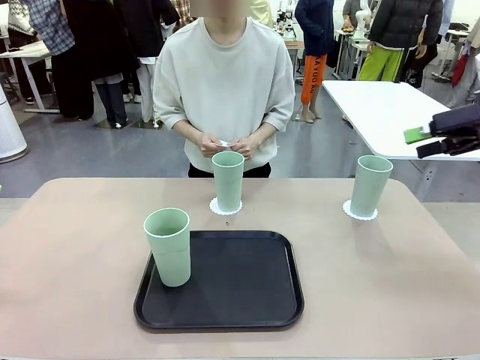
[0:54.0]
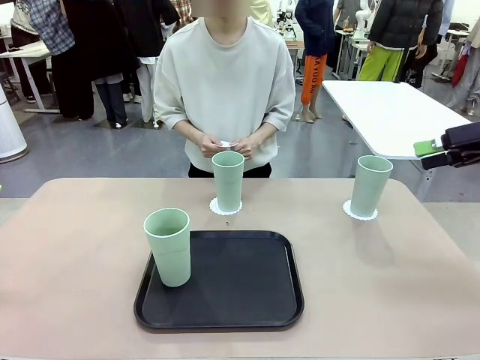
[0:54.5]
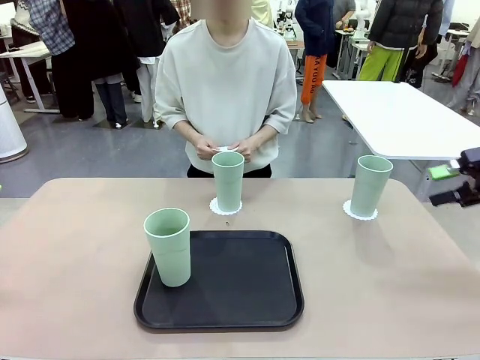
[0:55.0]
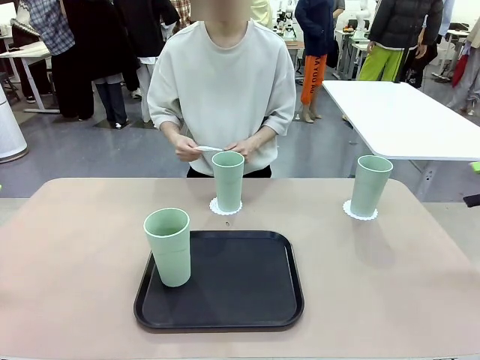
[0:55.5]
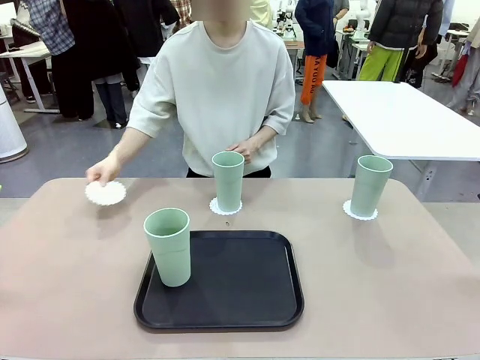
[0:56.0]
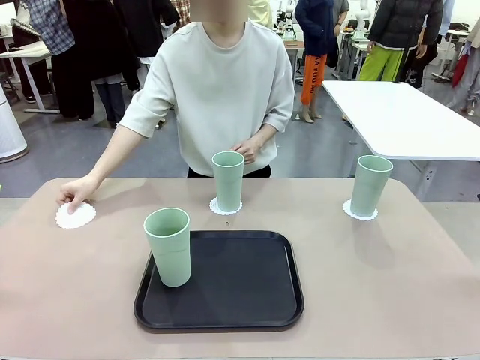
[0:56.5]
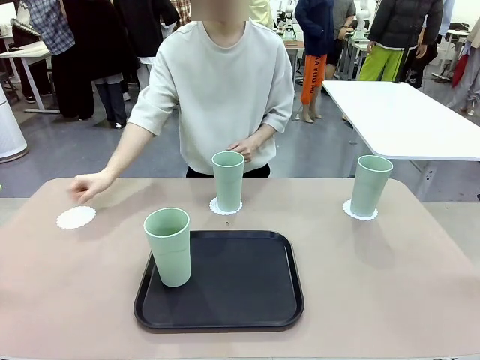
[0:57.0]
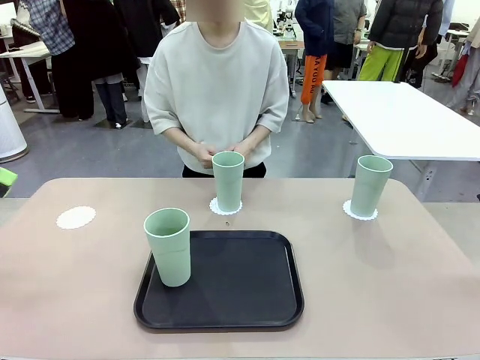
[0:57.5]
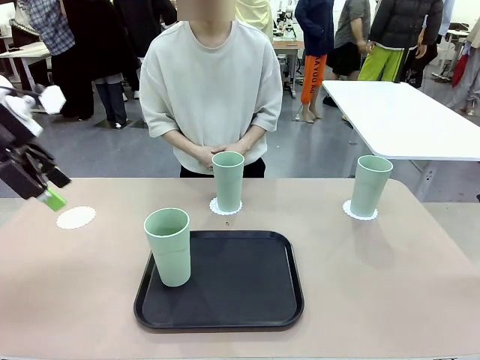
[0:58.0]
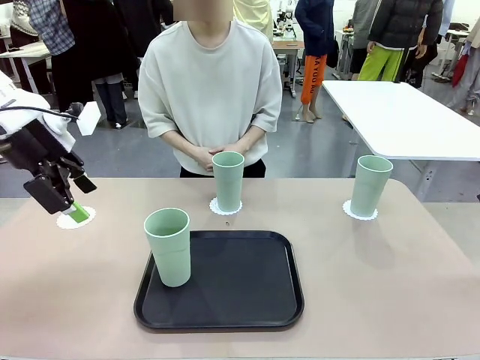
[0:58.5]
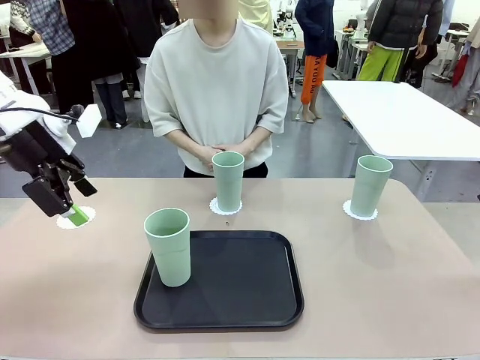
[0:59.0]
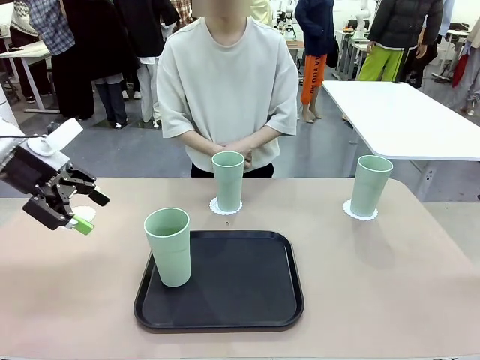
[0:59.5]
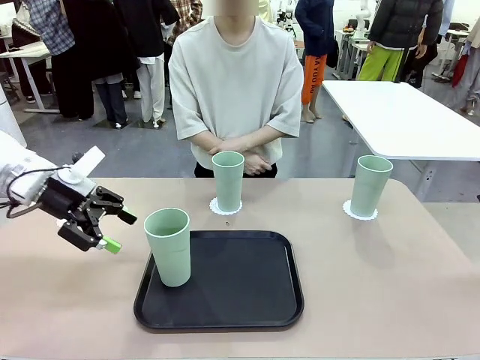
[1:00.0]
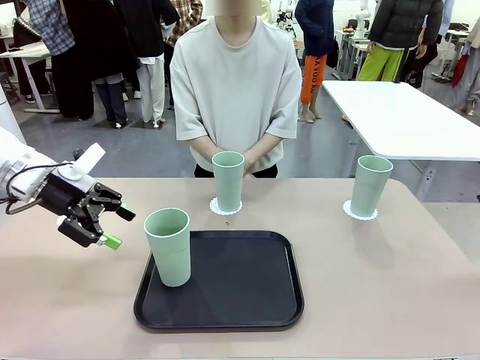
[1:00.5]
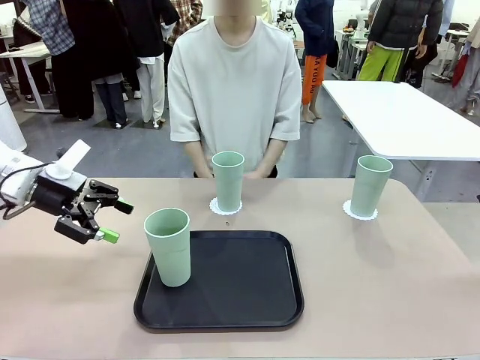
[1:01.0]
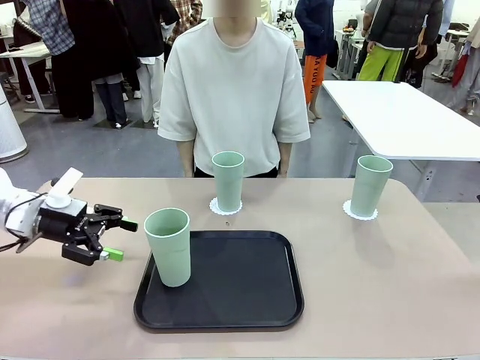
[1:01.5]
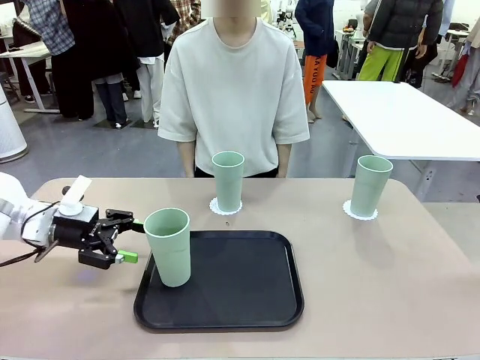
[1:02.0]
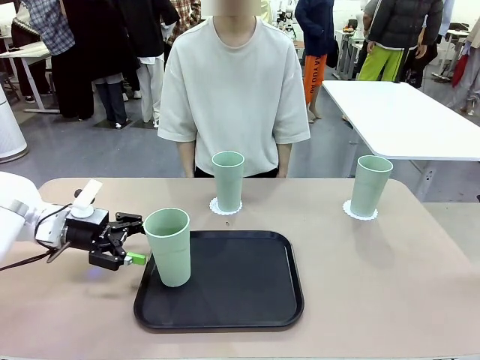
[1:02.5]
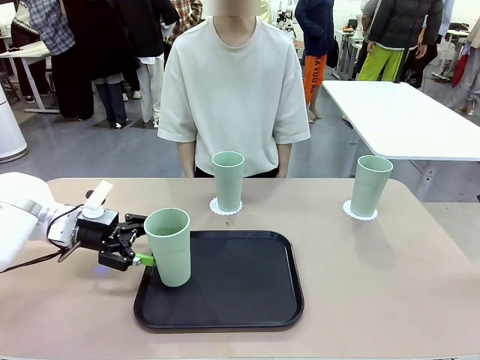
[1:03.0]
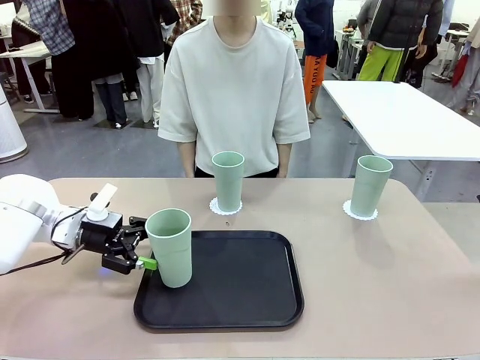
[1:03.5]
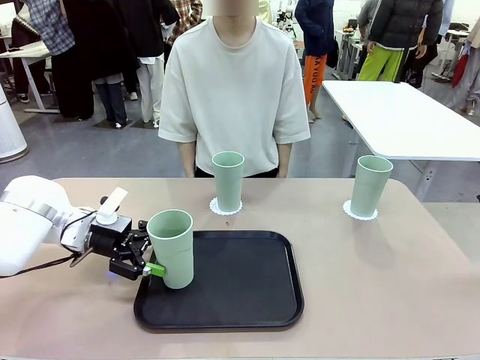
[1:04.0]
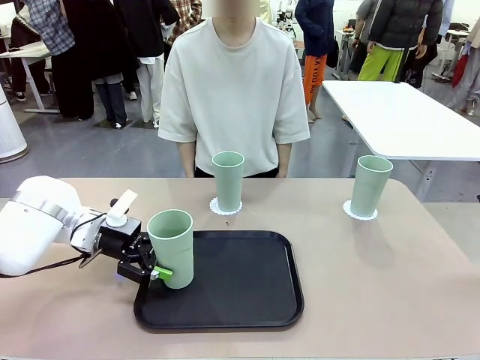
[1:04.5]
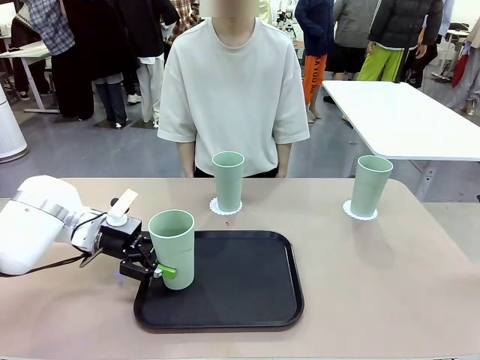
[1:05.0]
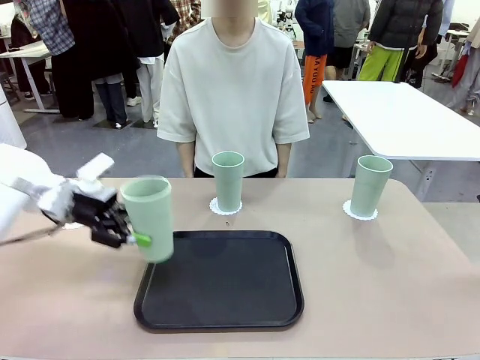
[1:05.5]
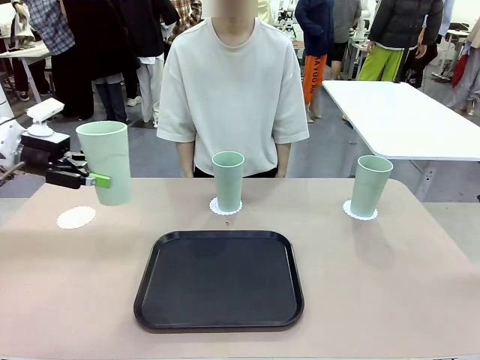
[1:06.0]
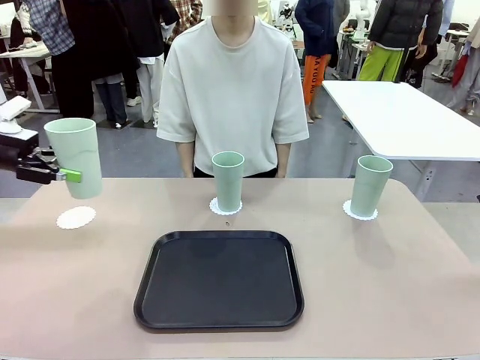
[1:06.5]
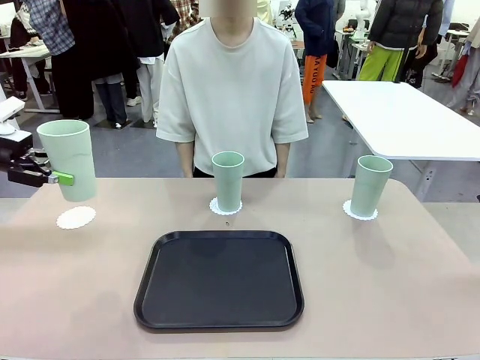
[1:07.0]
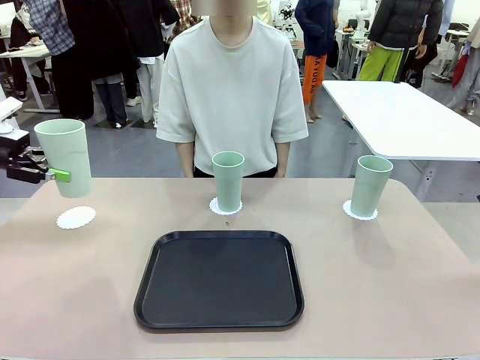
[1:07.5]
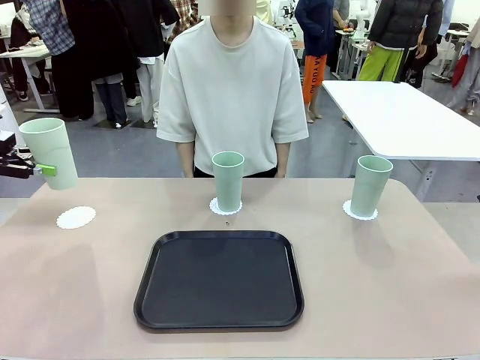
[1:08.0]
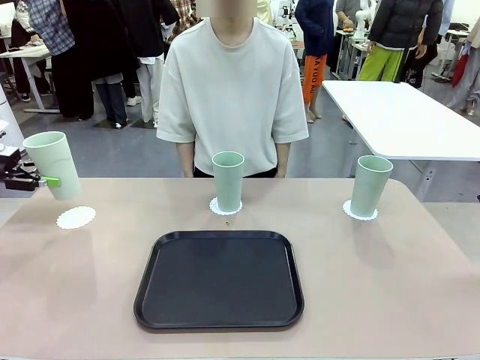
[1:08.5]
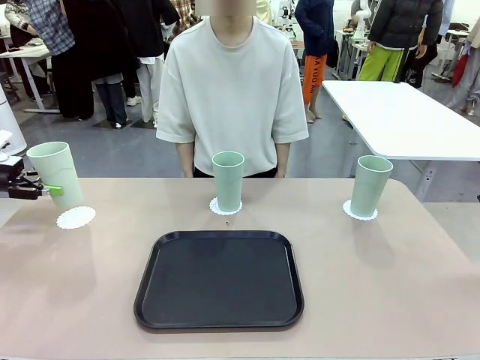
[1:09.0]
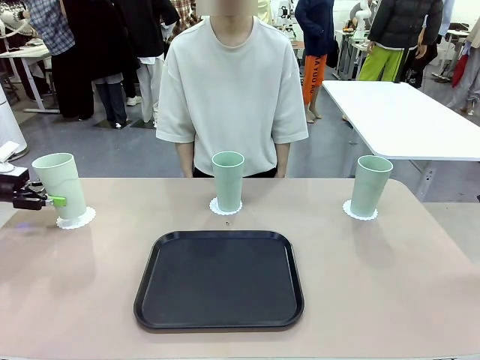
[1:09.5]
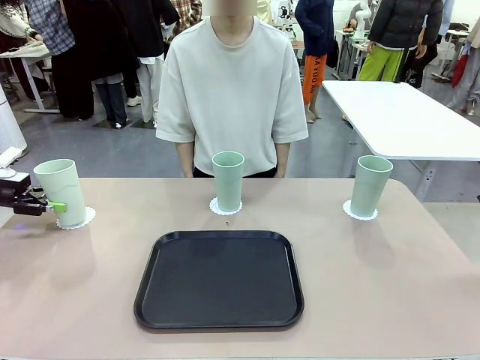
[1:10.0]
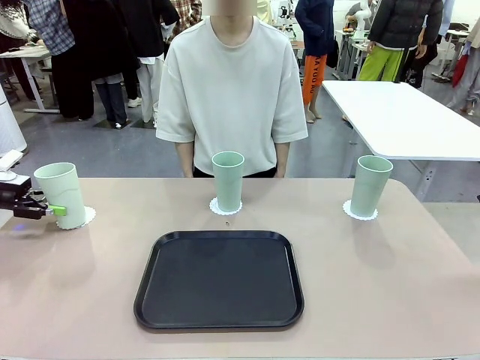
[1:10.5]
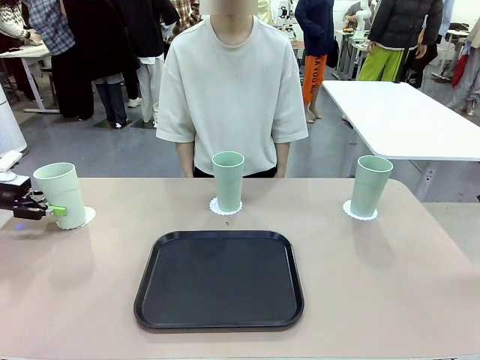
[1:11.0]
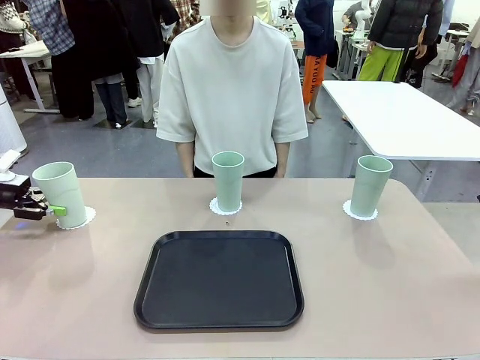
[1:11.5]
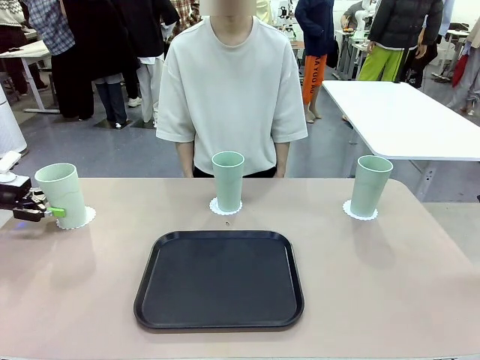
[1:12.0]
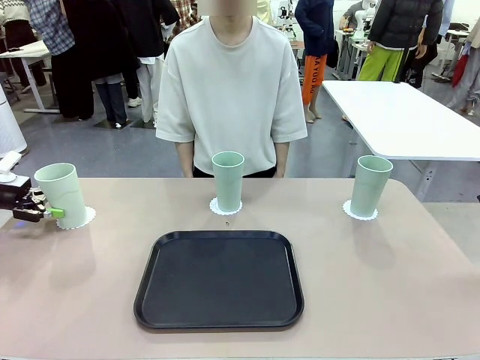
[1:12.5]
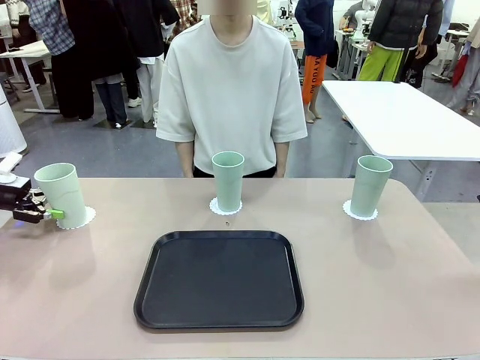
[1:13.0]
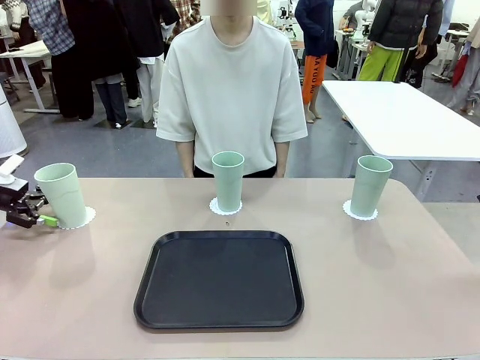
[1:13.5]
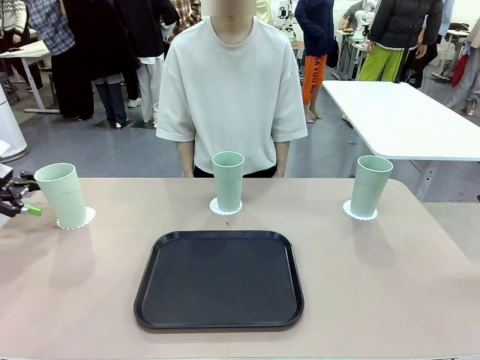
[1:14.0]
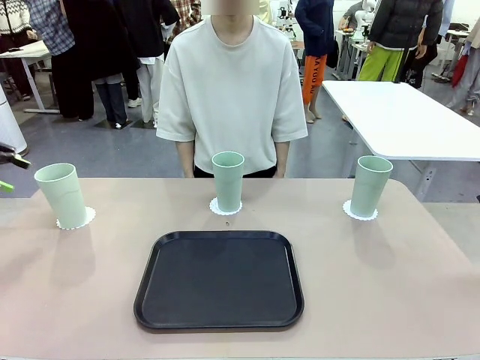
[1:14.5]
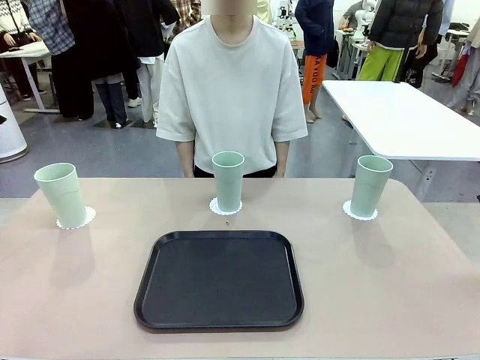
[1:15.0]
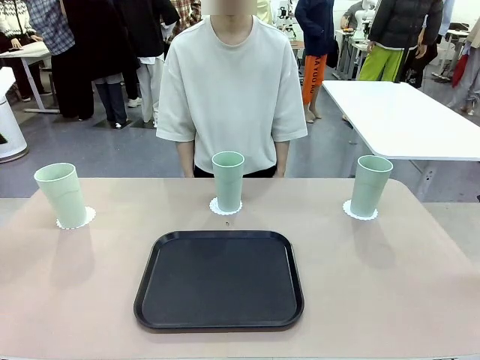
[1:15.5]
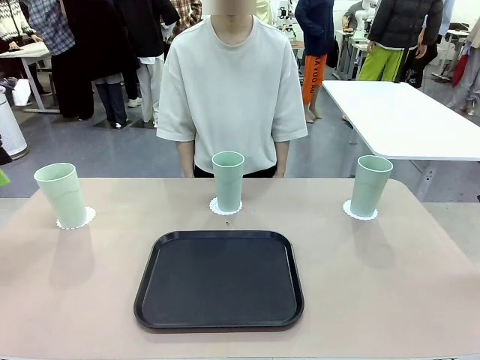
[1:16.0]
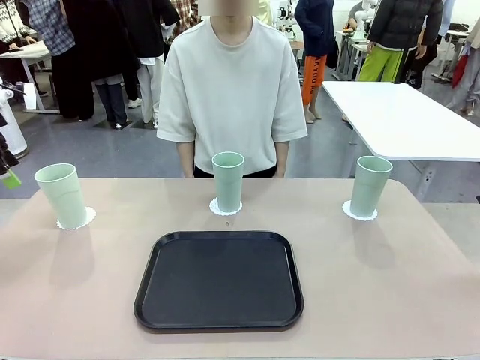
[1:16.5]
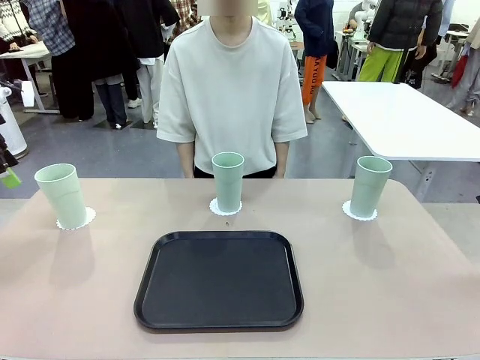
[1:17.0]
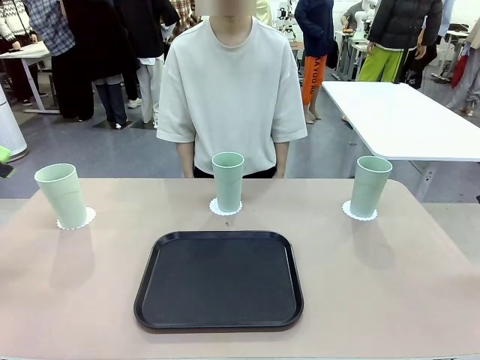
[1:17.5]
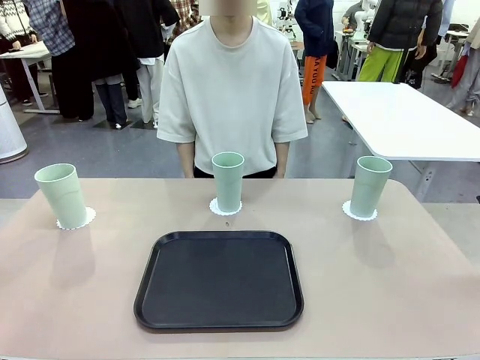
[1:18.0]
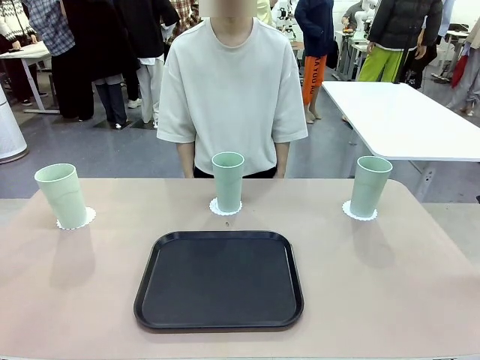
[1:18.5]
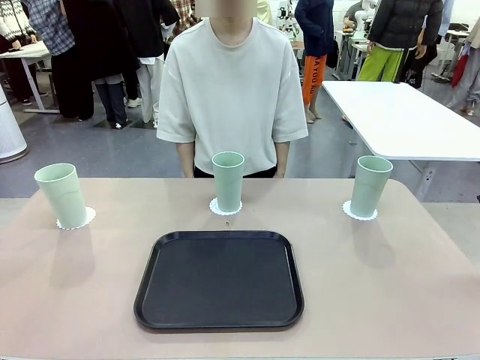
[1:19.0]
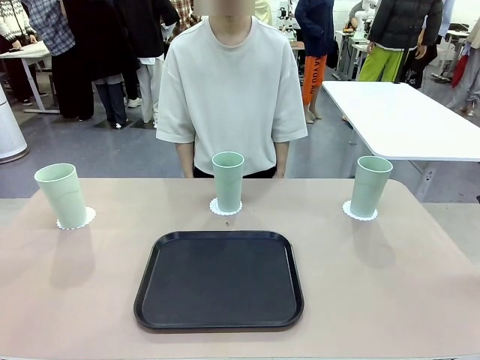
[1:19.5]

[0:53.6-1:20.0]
Task: Place coasters on the table and set cups on them.
Robot: Take one Reusable plastic cup from the Flat Tray and place it on a coaster set by the human.
Person: Place one coaster in the only remaining area.
